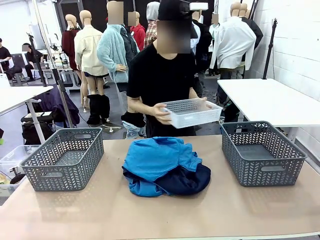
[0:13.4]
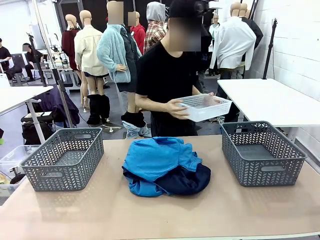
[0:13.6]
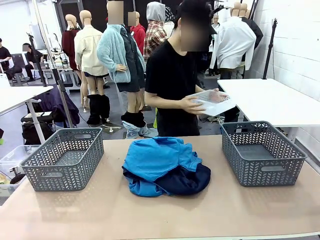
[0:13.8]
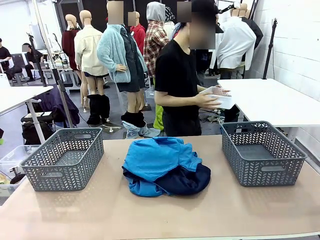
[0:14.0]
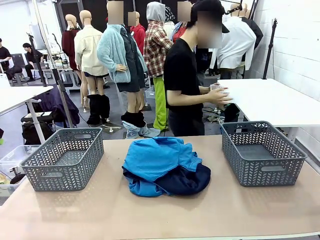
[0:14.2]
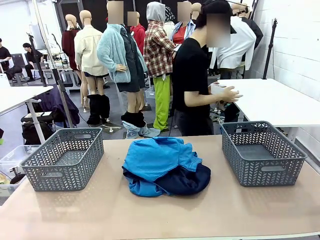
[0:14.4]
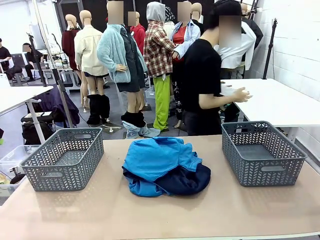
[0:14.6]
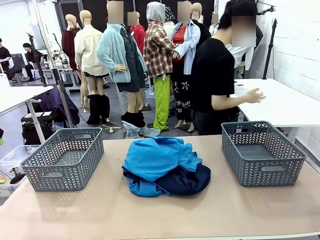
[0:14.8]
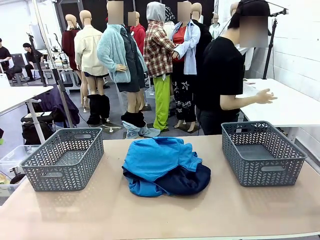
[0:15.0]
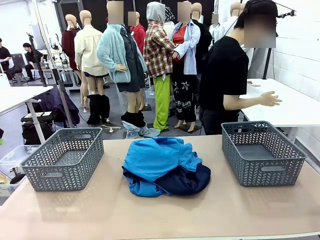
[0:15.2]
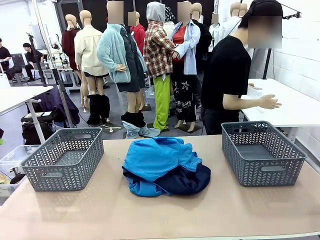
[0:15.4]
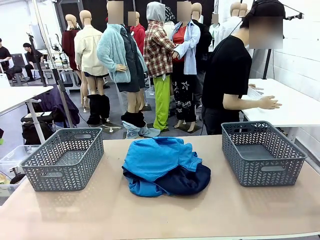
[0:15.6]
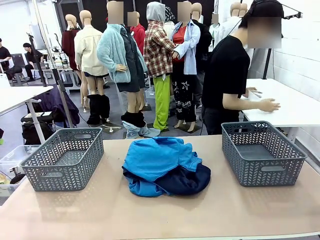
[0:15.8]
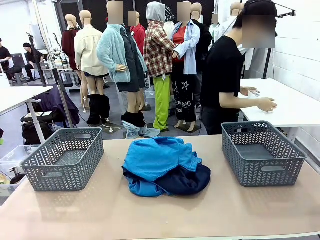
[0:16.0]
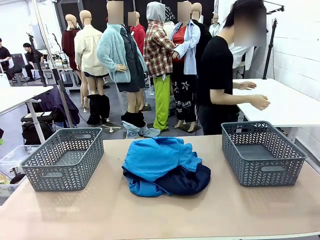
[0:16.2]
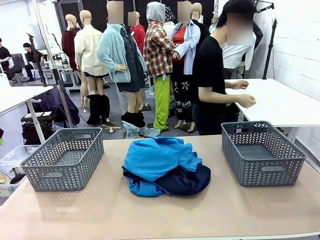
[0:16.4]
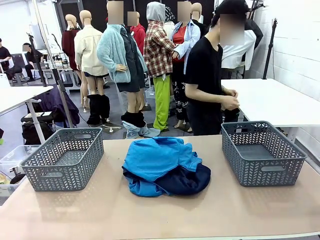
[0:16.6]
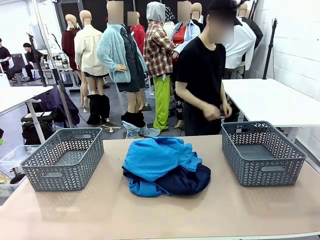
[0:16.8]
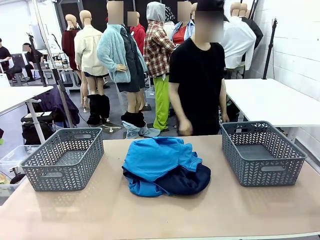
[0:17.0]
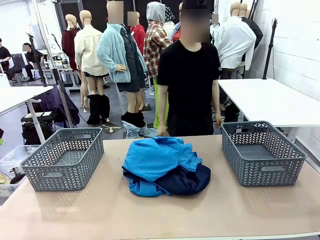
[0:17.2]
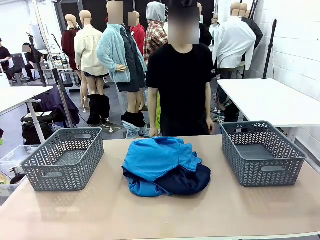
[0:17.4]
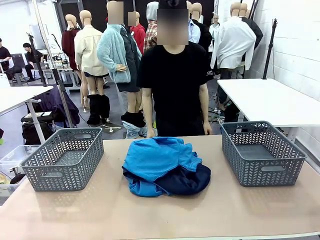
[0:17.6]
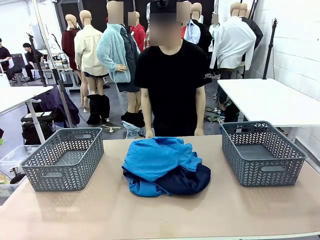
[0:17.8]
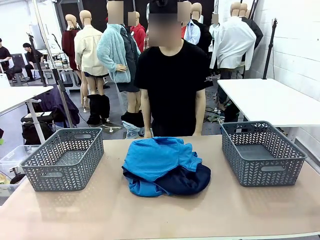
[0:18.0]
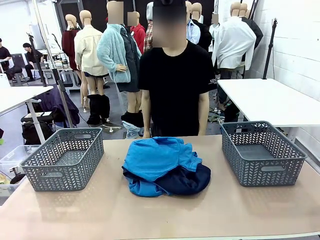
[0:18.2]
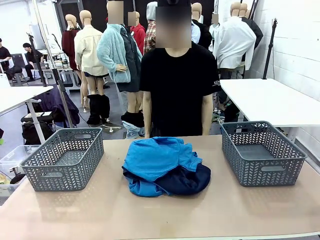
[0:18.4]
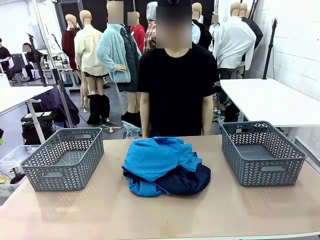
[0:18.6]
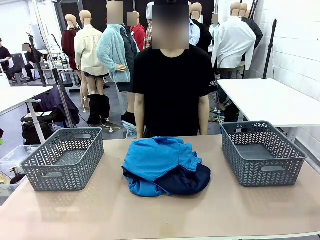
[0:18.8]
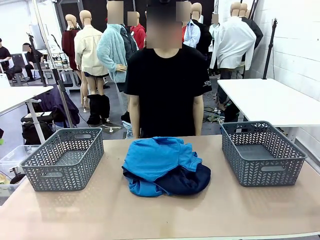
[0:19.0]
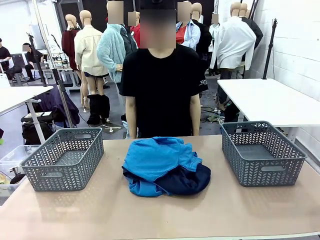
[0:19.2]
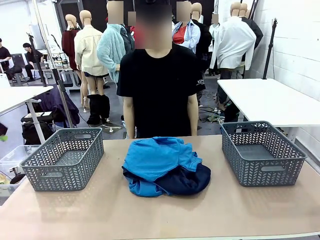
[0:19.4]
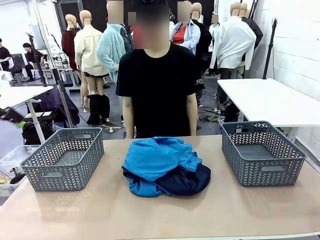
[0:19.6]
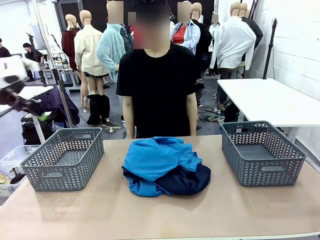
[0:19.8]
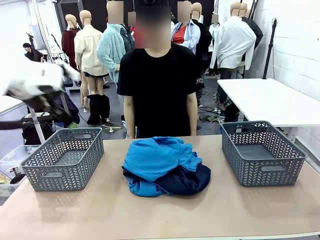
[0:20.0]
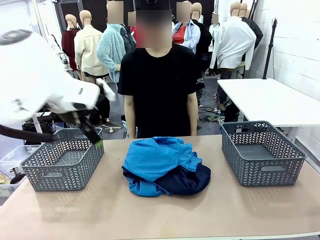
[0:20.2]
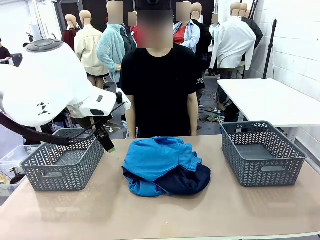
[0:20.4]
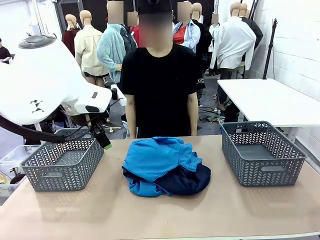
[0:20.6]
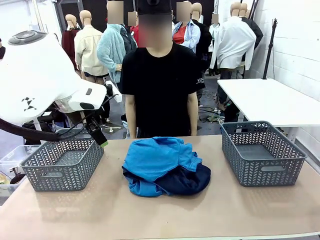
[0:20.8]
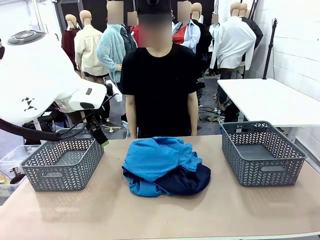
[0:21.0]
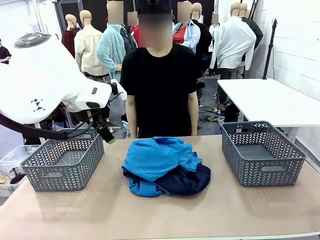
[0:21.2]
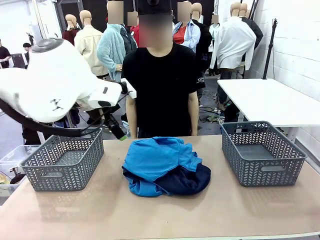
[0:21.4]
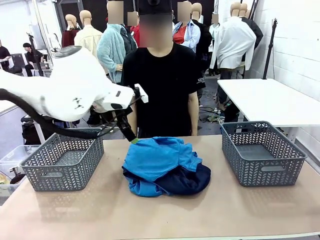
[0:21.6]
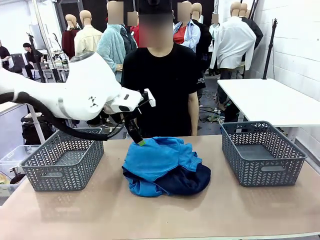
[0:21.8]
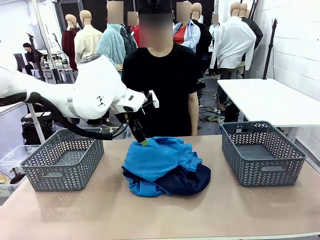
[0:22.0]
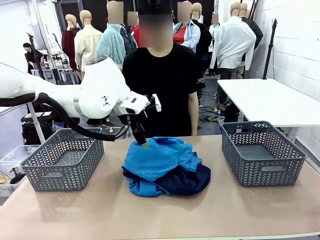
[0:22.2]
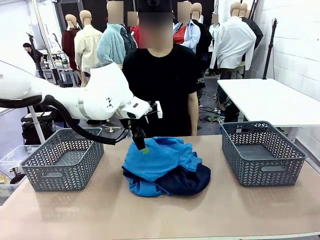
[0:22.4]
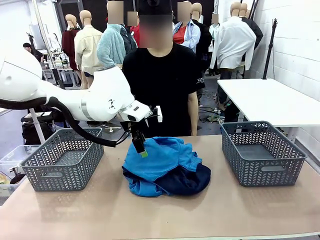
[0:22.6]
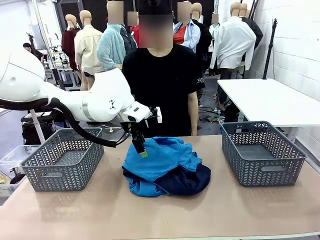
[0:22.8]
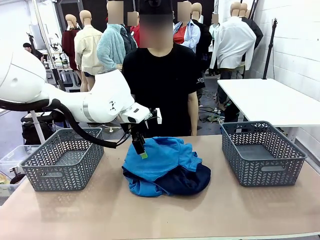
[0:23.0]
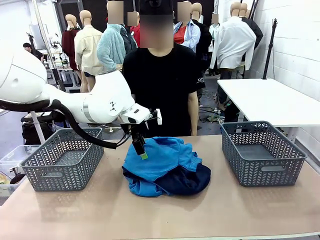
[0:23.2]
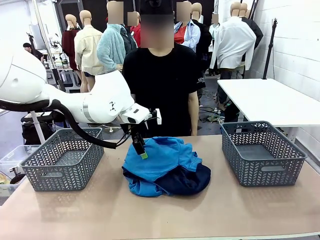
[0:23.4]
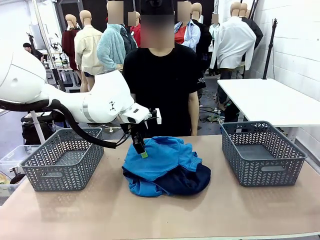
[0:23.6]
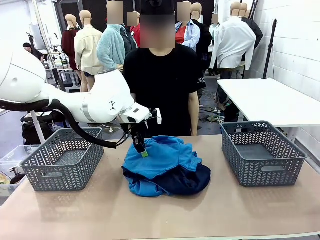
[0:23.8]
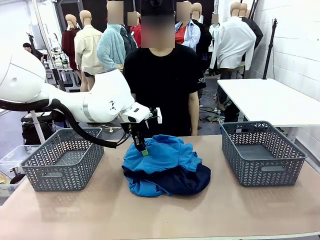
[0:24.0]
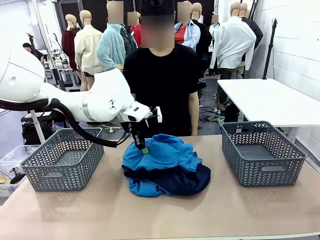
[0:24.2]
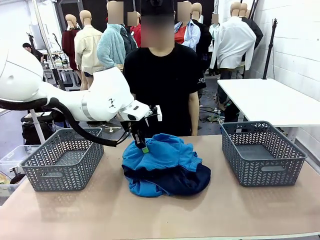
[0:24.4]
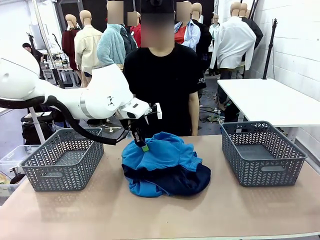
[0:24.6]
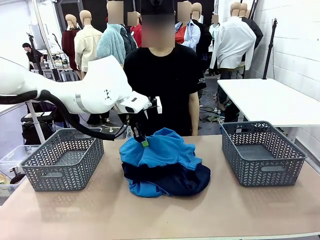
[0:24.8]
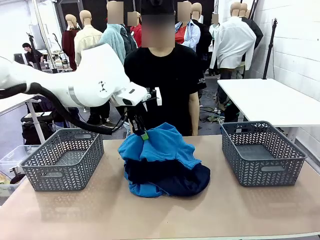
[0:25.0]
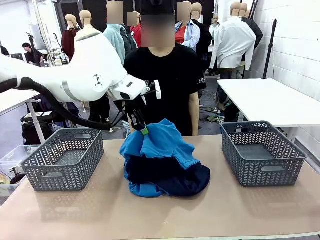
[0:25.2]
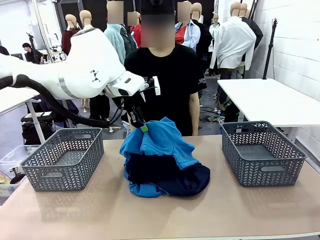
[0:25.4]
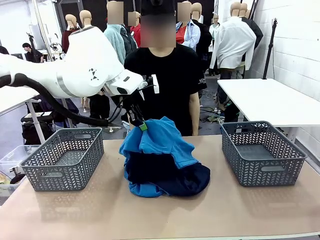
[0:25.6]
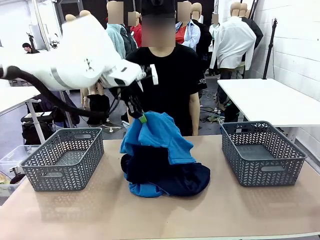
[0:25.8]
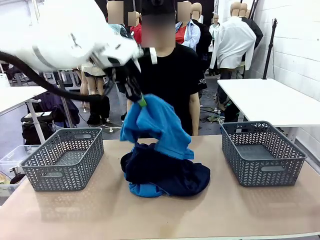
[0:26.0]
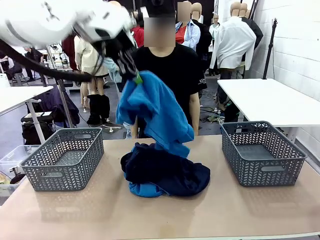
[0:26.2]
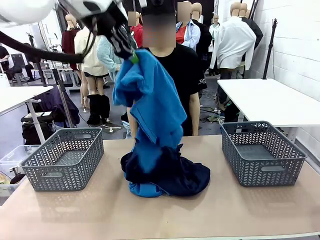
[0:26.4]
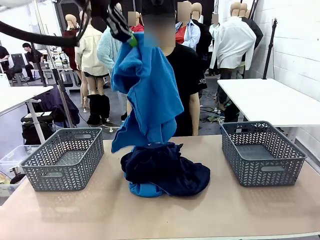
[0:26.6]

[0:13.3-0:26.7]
Task: Sort the tops and bottoms.
Robot: Lift clothes from the center of the table with your left hand.

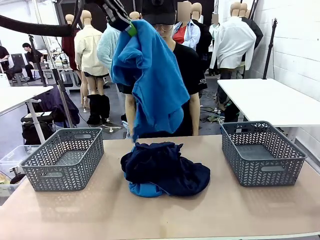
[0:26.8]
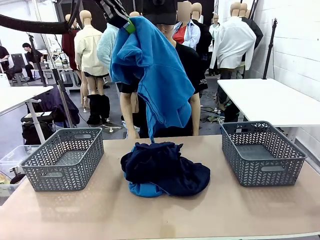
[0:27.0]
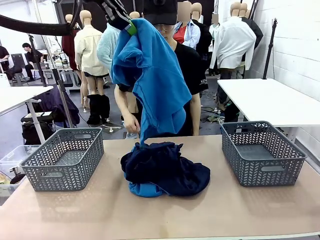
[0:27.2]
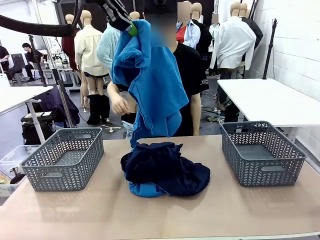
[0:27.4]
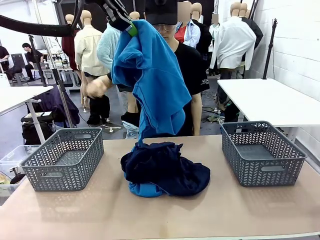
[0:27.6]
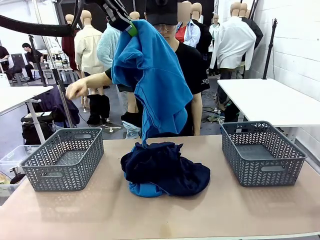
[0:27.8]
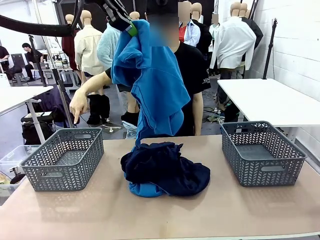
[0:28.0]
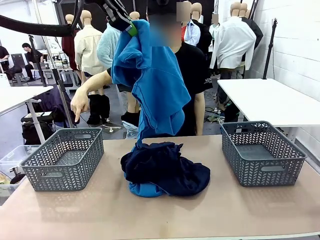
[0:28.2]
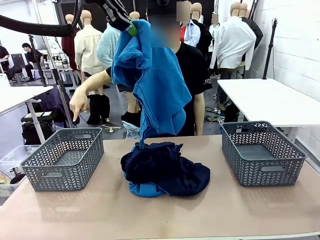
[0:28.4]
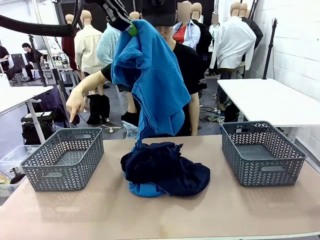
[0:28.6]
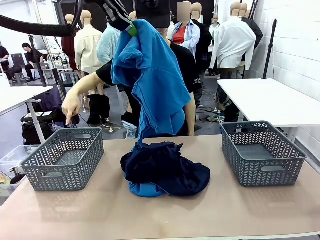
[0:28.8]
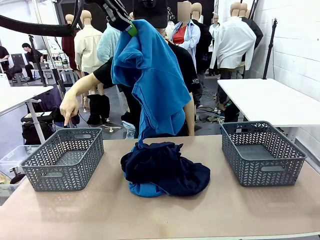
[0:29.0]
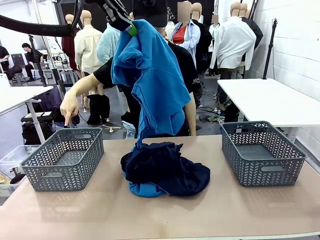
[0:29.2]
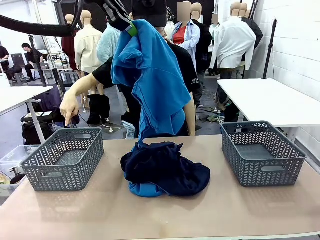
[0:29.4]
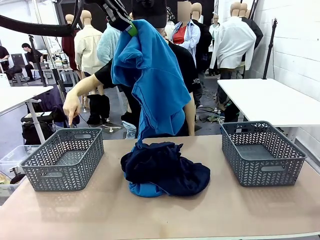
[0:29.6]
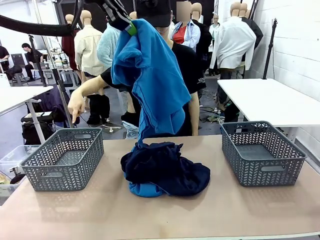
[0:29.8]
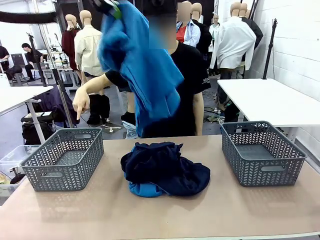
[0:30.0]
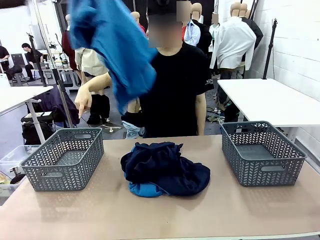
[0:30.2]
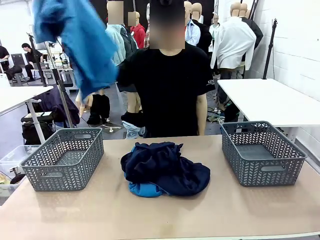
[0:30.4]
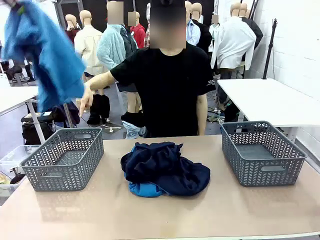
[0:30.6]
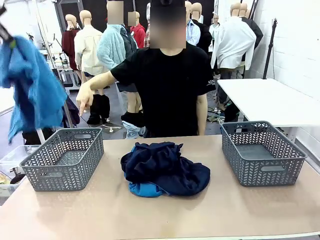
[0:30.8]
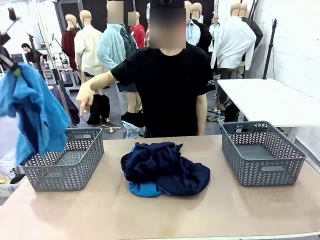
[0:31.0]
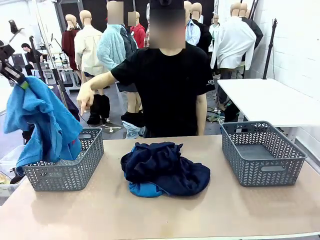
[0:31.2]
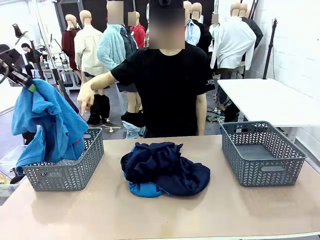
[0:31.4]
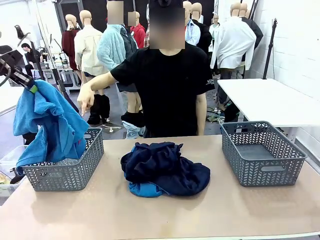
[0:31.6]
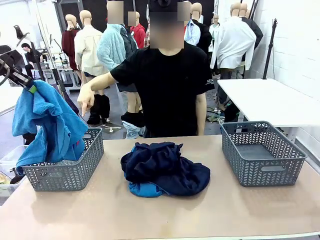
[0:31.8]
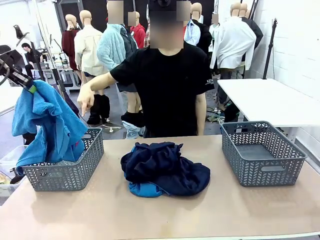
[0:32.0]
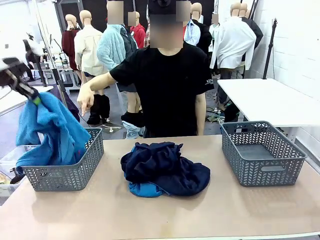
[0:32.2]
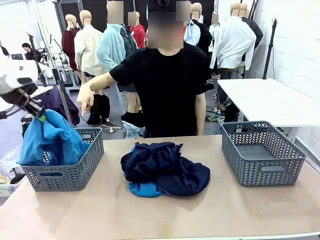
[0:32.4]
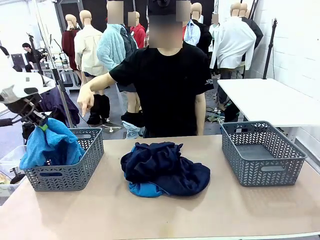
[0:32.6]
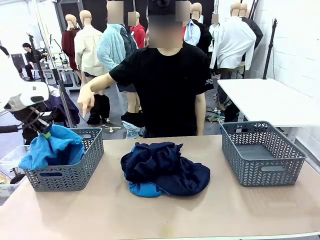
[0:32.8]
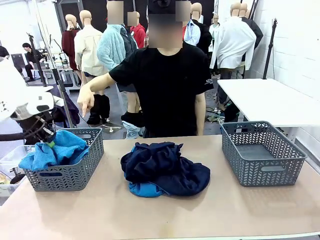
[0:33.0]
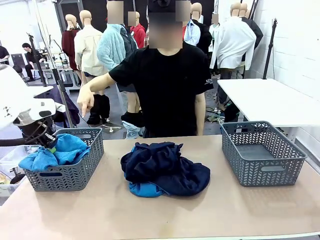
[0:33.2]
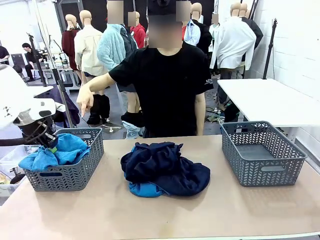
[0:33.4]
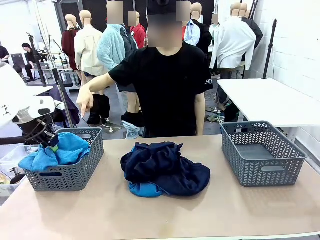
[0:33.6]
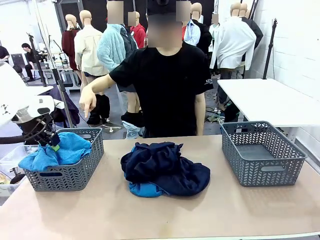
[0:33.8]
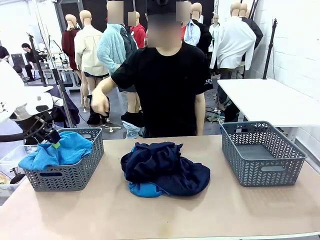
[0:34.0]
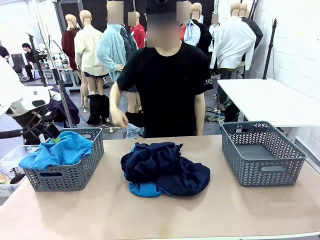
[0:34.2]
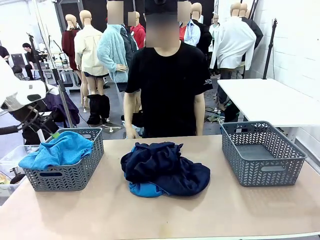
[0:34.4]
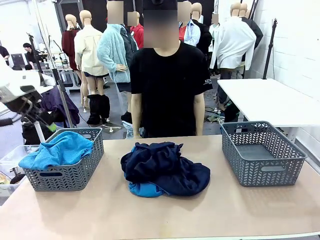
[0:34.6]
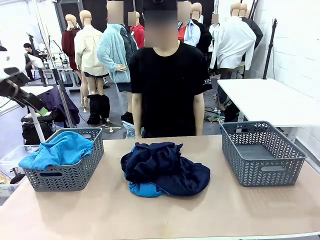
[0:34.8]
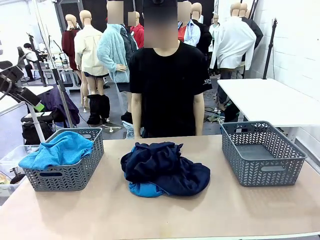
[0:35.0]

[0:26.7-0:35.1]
Robot: Sort the clothes according to human instructions.
